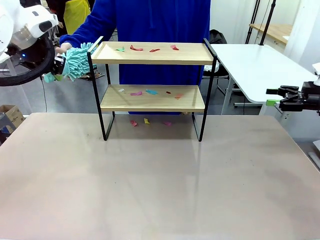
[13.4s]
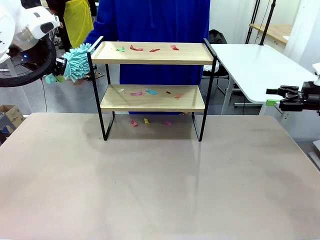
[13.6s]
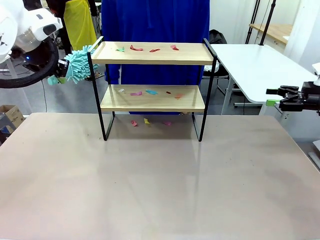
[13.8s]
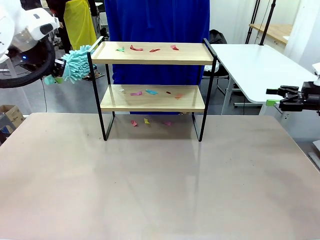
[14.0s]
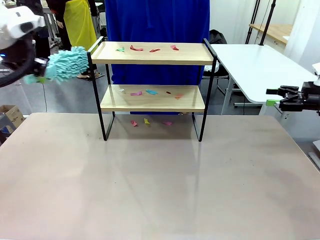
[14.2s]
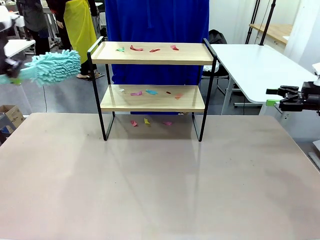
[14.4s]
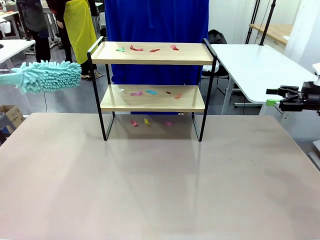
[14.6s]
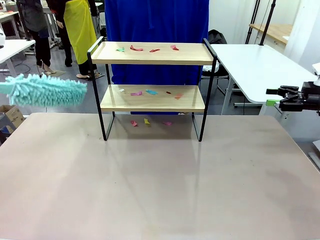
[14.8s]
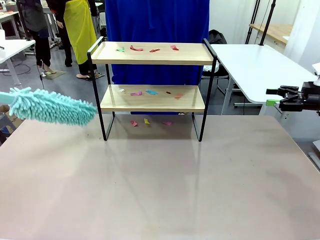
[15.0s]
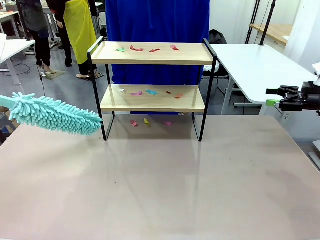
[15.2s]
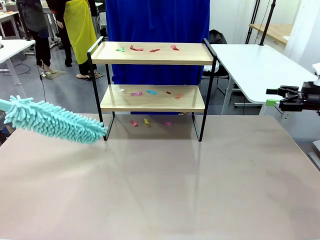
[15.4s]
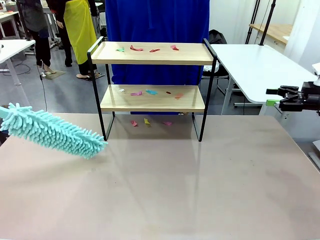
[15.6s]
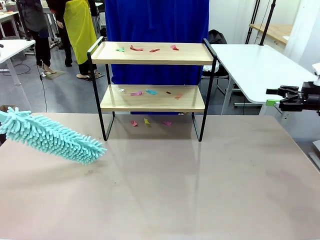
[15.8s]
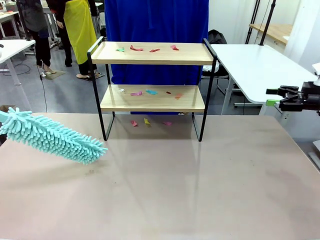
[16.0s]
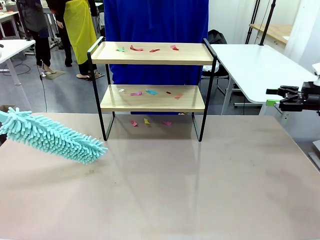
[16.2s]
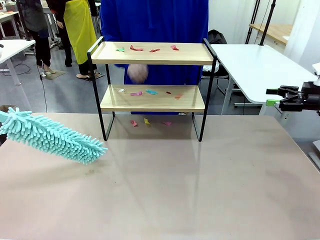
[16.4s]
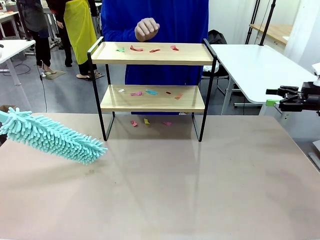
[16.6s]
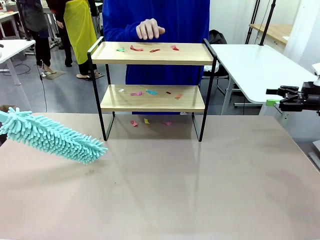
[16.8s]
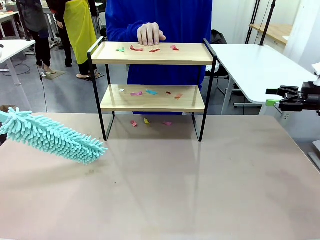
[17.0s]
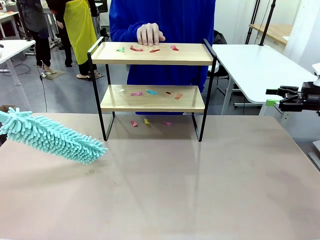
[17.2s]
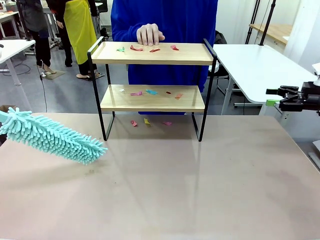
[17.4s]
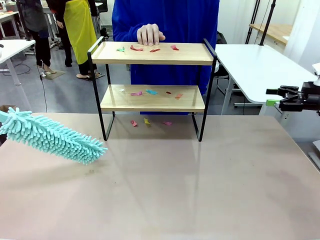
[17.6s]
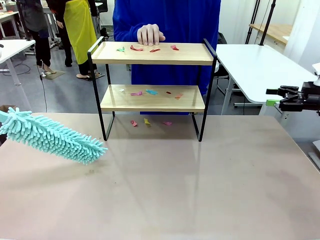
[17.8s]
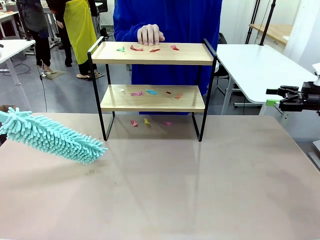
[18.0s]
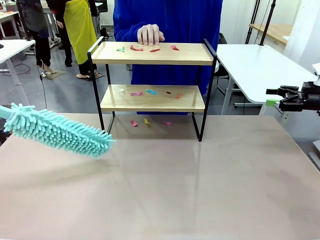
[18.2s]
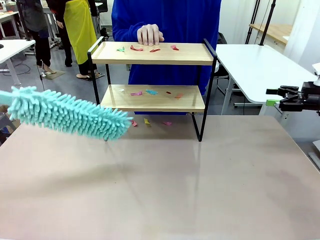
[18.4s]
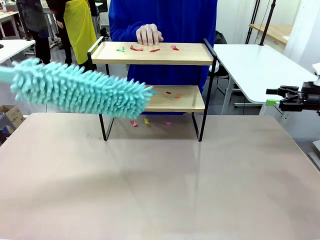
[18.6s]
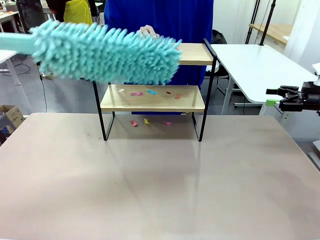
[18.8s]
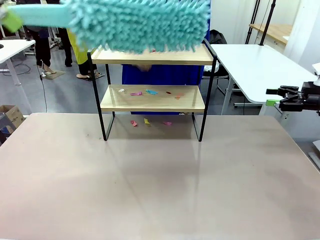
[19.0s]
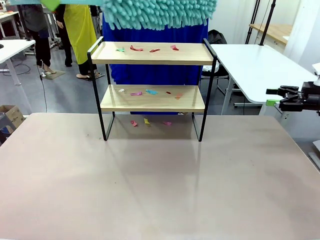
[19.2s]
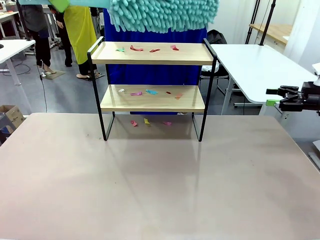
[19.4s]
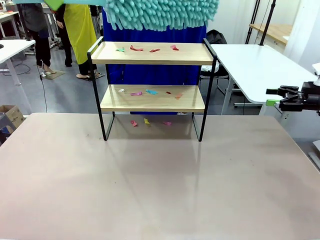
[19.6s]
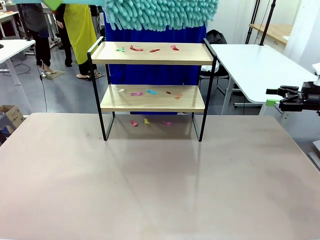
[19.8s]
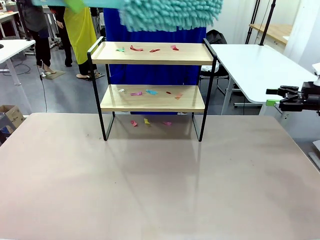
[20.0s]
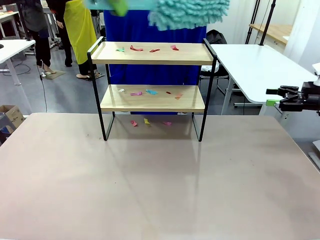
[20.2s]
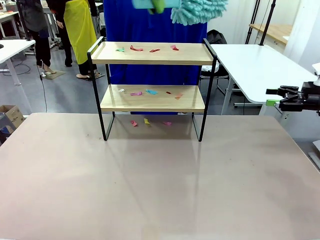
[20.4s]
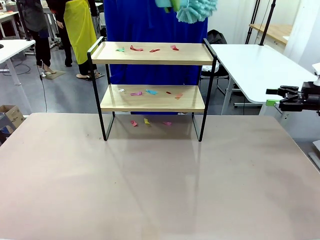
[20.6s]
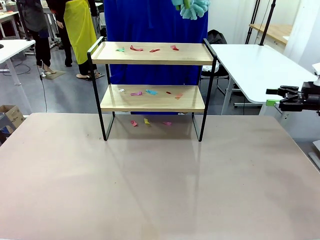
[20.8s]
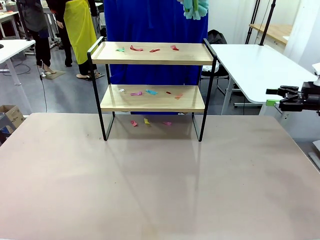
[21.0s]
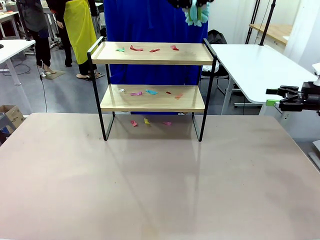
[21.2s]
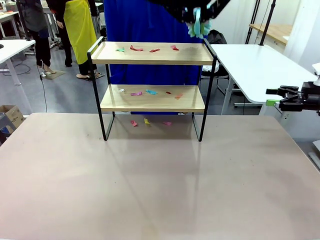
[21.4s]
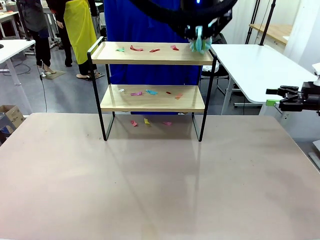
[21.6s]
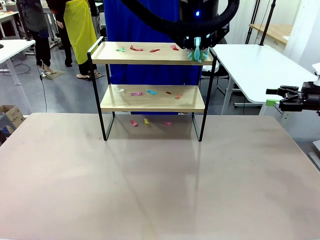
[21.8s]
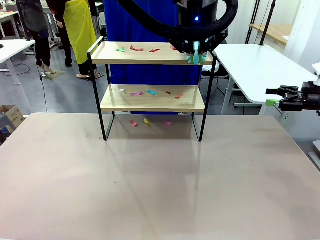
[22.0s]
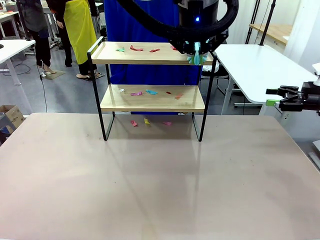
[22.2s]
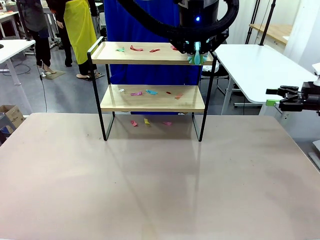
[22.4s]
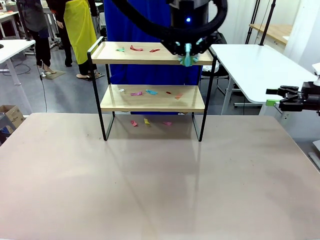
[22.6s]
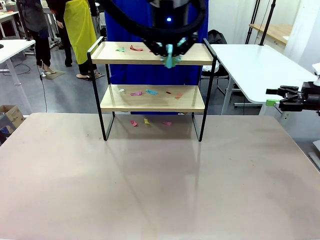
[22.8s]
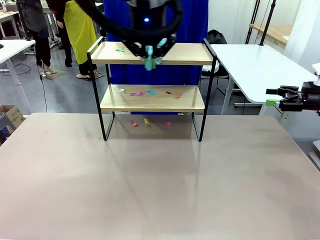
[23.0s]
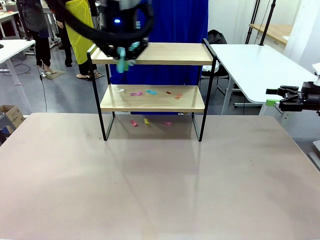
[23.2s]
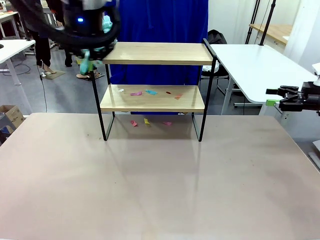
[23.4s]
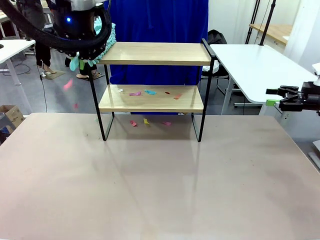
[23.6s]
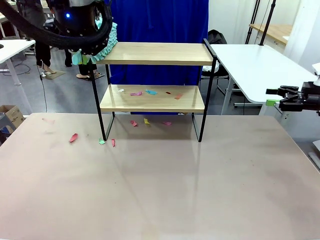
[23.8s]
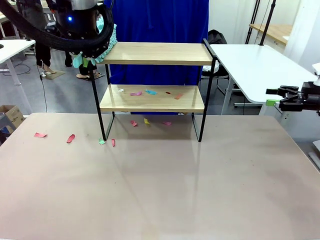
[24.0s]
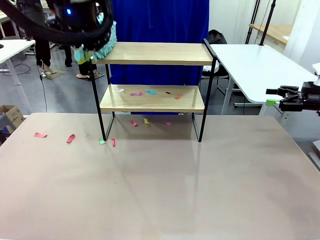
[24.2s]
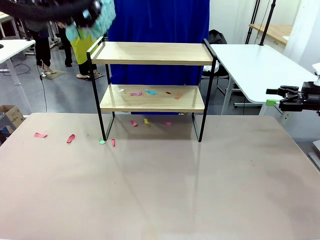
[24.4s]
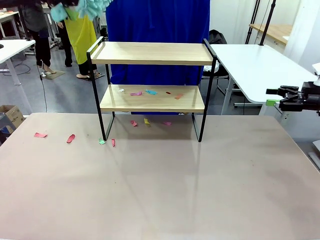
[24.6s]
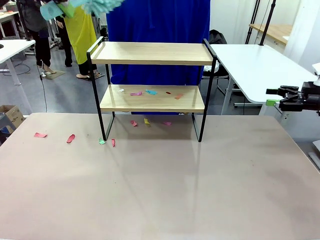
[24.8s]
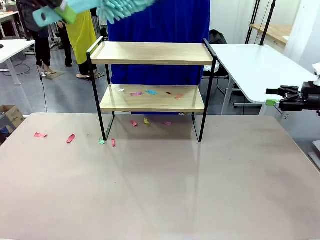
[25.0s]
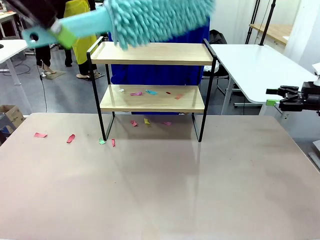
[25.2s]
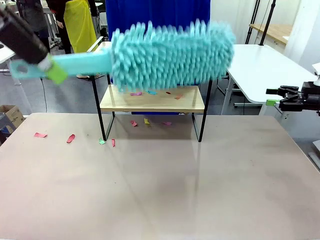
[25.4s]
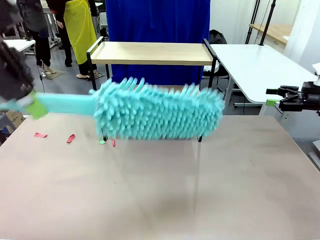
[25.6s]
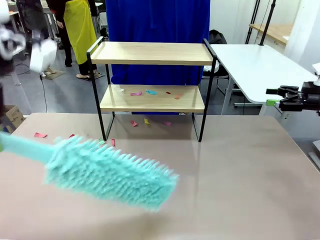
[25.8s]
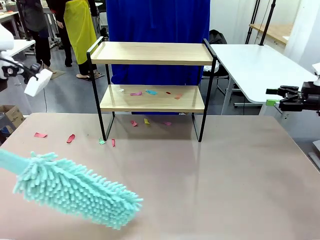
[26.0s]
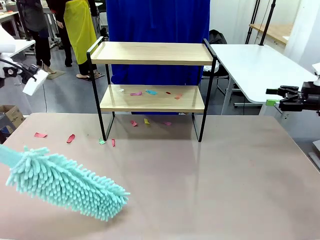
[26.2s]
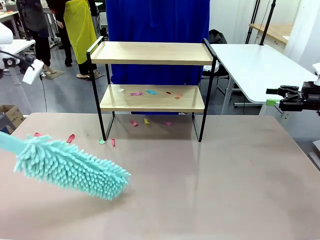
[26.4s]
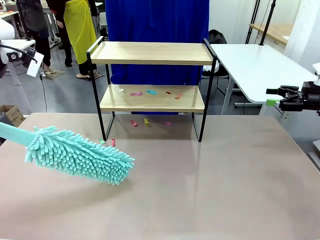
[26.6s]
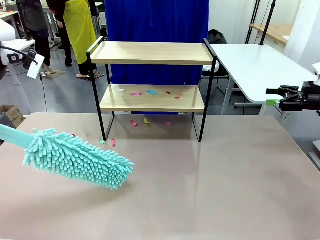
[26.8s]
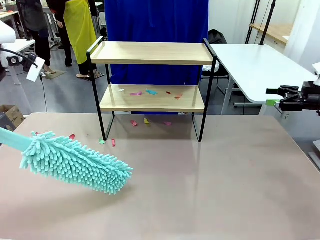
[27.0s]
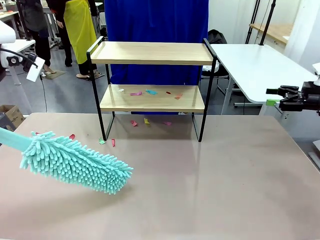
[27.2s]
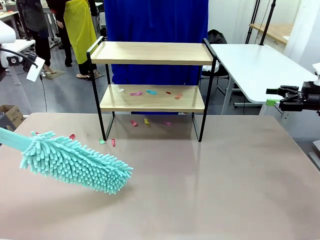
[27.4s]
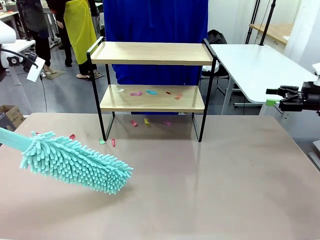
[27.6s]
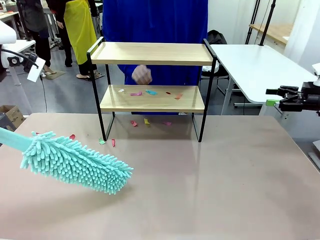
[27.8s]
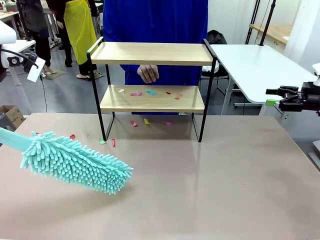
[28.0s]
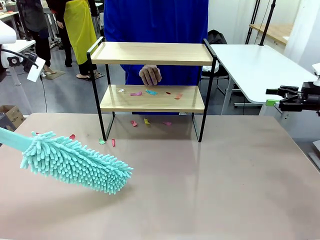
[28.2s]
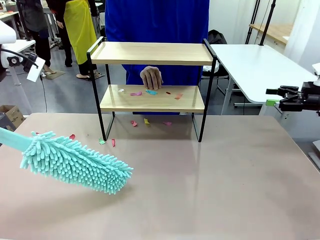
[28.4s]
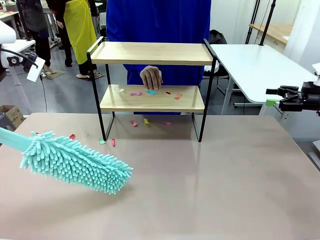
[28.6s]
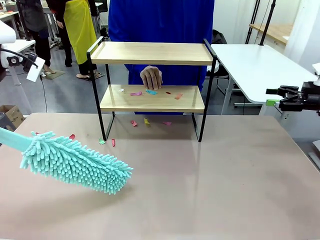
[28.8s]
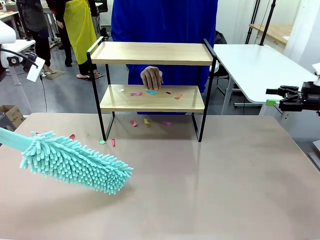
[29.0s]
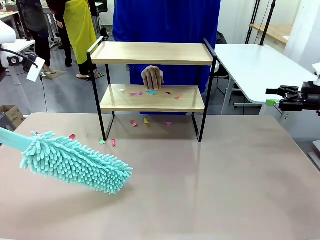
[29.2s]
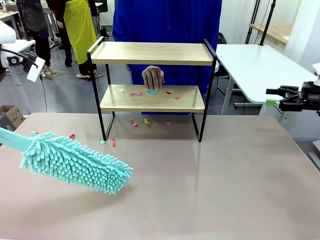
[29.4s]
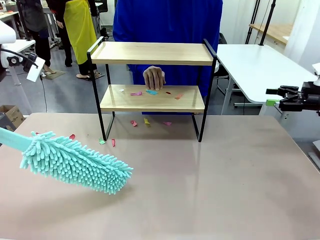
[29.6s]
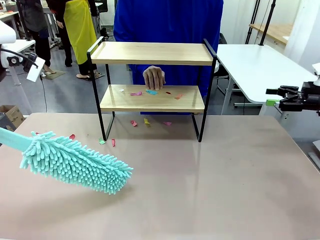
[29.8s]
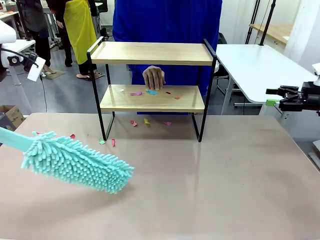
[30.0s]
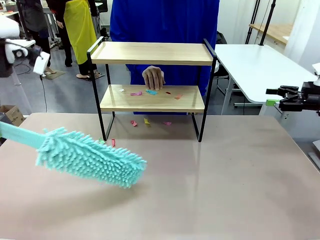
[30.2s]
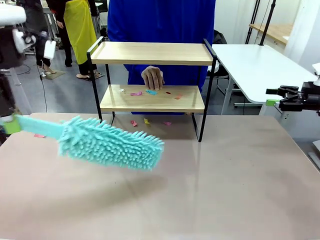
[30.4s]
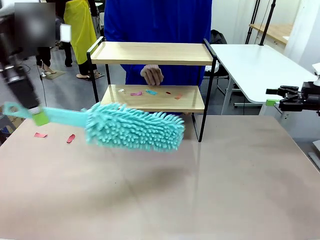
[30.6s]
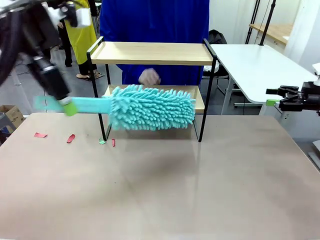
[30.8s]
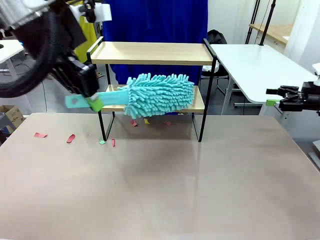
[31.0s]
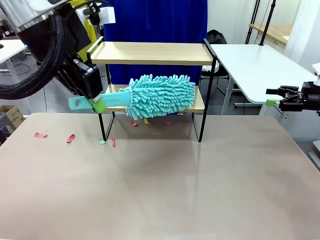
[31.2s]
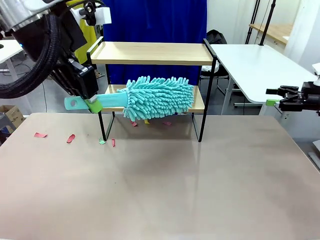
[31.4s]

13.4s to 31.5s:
Task: Clean the shelf.
Robot: Clean the specific section of the Shelf indicated by the human with the Duster.
Person: Point a random section of the Shelf.
